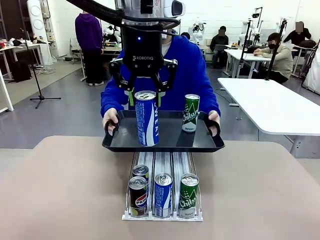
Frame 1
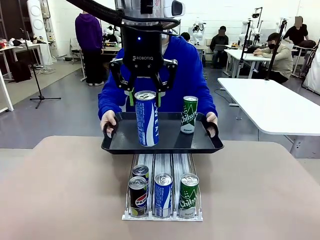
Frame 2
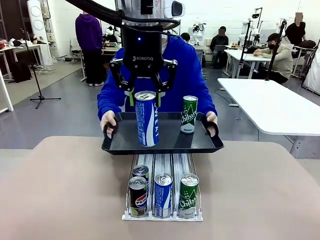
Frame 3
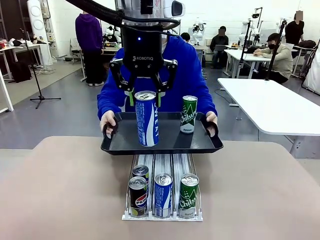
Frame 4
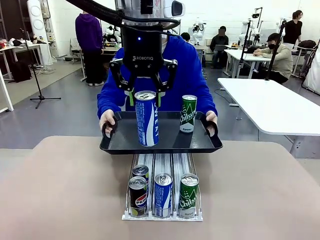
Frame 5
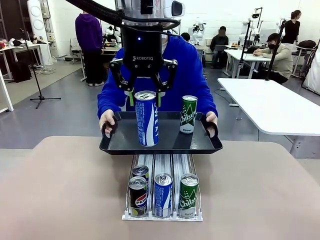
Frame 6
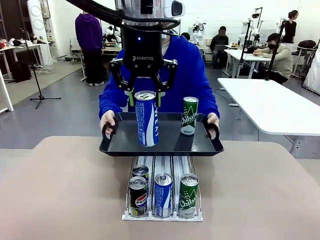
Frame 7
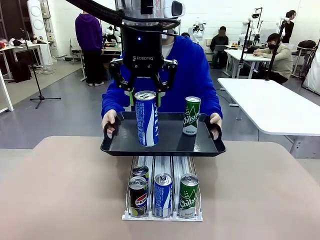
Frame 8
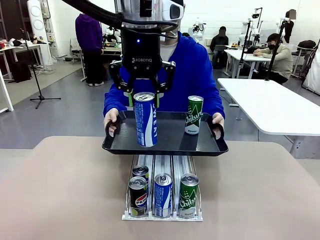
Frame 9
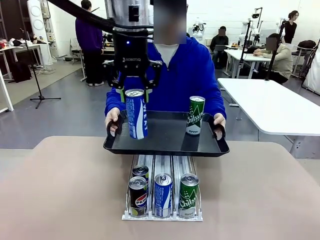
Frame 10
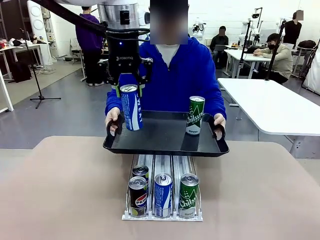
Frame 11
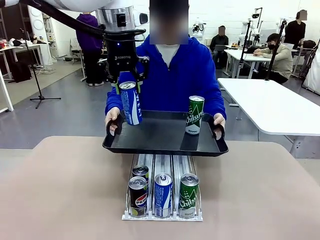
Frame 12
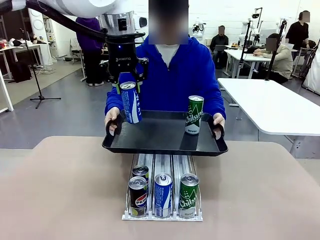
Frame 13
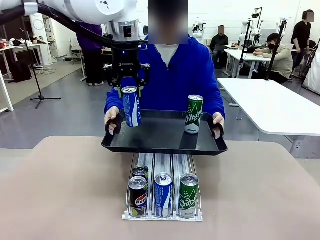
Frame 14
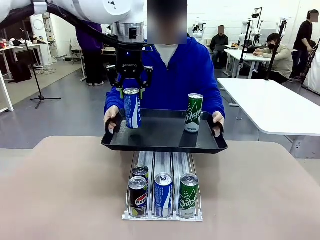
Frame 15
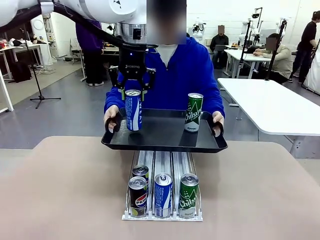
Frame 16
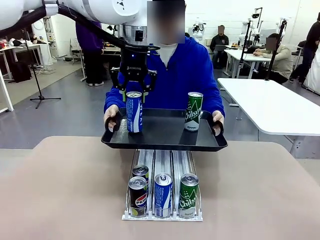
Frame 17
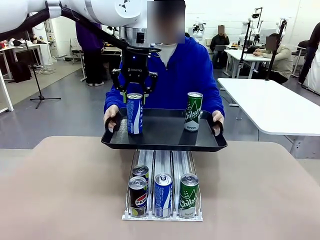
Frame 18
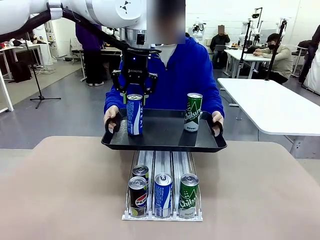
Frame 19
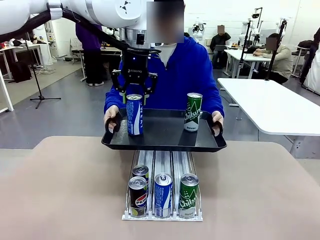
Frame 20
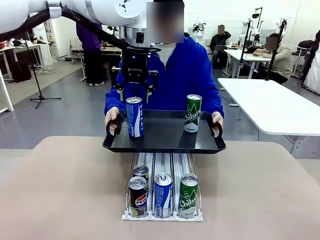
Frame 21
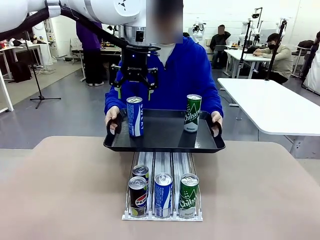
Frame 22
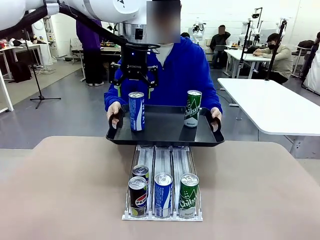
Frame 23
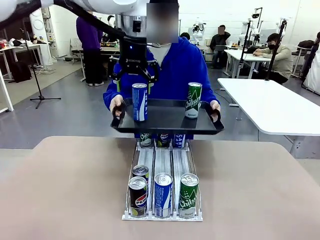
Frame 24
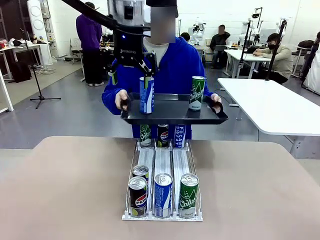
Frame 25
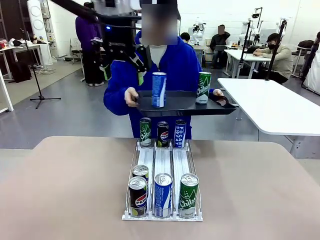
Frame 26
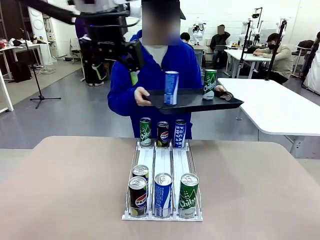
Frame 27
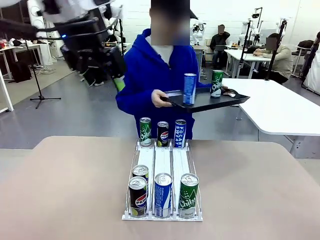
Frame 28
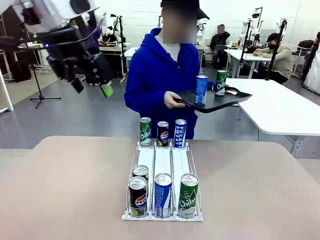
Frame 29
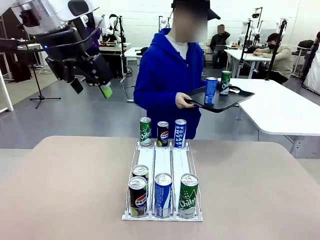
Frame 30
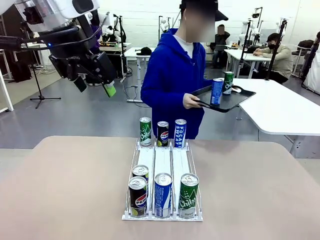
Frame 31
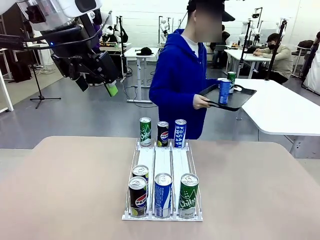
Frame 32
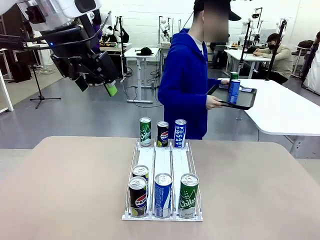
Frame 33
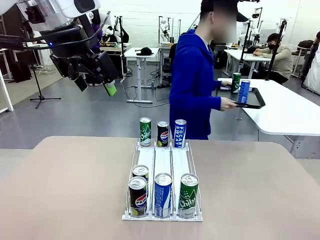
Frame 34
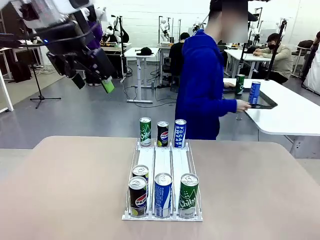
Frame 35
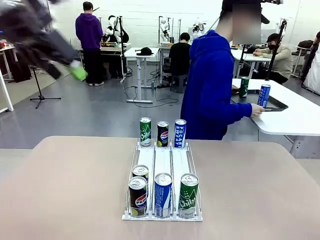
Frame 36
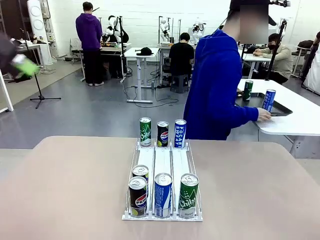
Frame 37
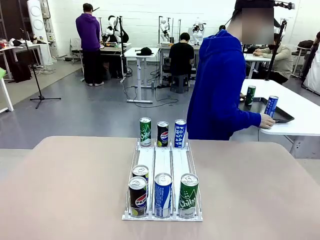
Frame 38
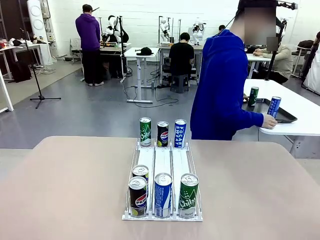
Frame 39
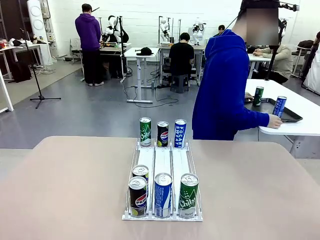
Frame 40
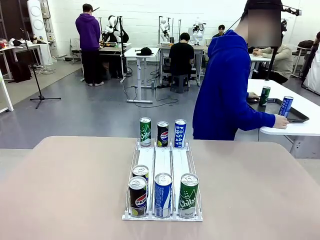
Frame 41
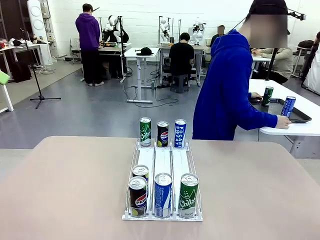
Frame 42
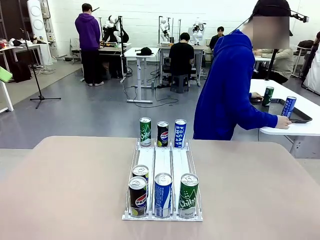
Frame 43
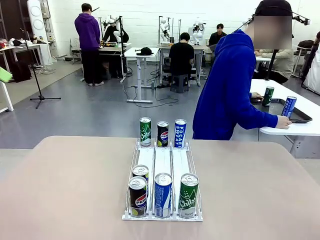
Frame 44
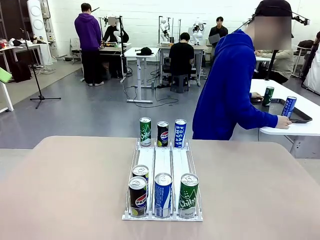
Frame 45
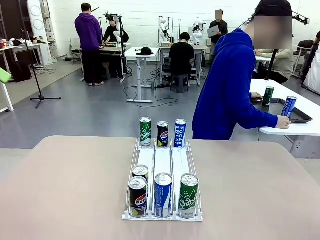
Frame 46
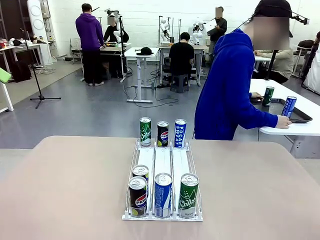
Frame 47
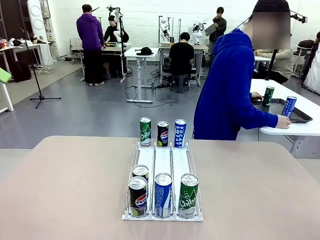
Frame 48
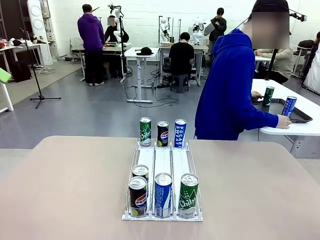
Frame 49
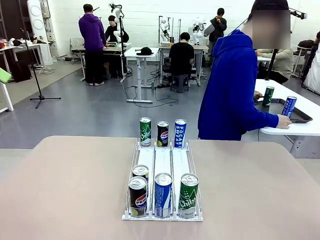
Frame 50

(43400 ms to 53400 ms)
Task: Retrieve and hand over the desired beverage to the person.
Robot: Place the picked can on the Handle tray extended by the person.
Person: Pull the tray back and place it at the center of the human table.

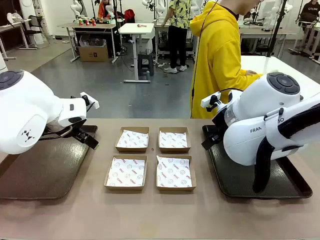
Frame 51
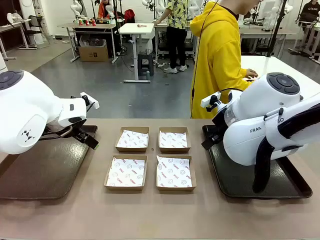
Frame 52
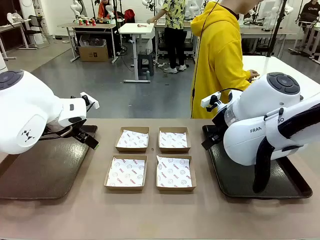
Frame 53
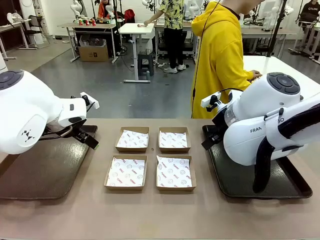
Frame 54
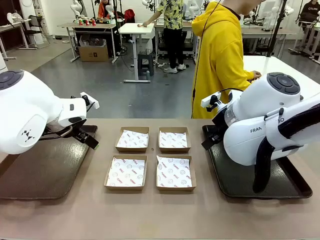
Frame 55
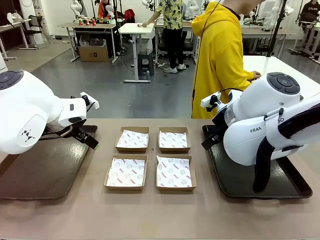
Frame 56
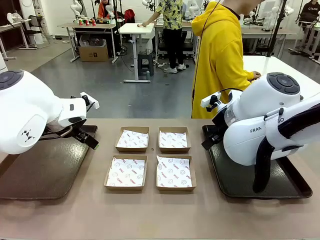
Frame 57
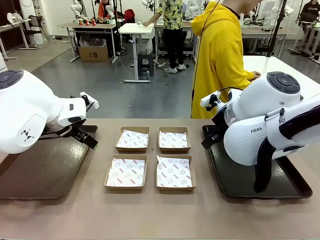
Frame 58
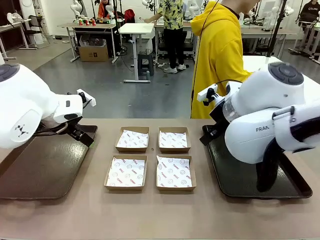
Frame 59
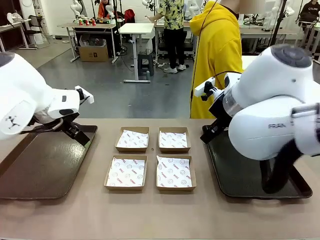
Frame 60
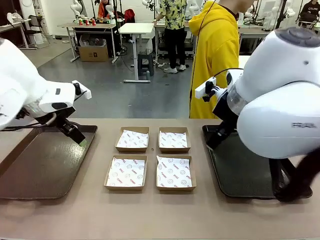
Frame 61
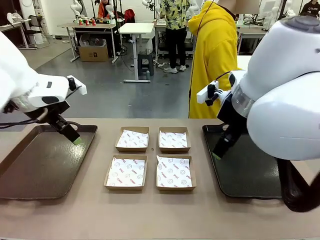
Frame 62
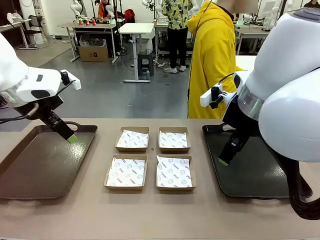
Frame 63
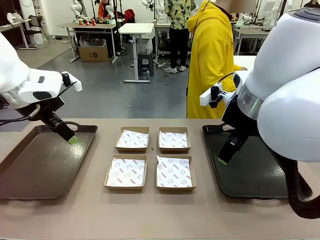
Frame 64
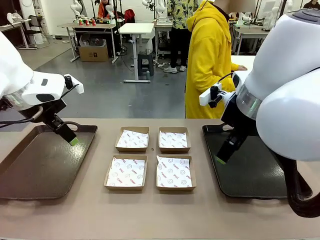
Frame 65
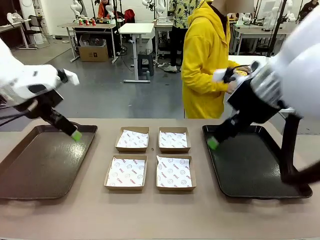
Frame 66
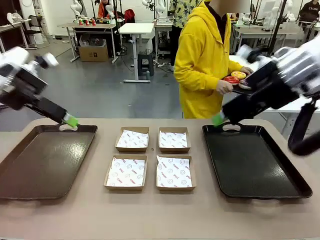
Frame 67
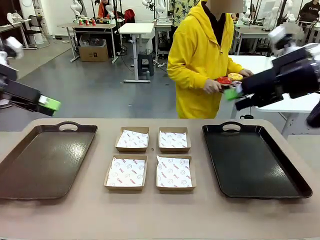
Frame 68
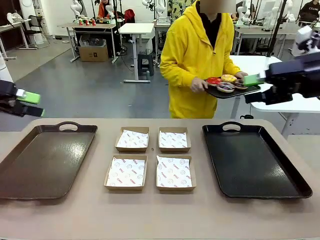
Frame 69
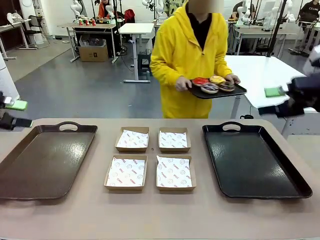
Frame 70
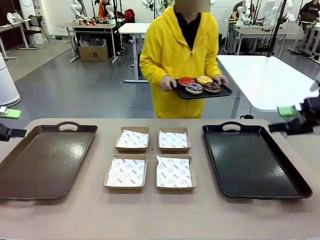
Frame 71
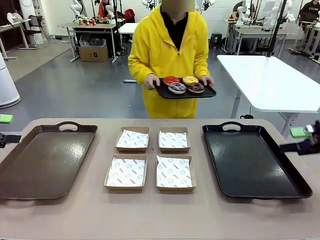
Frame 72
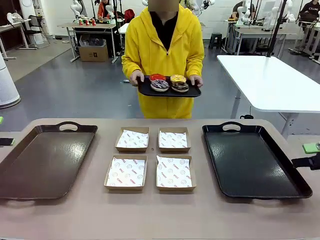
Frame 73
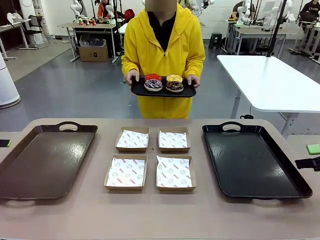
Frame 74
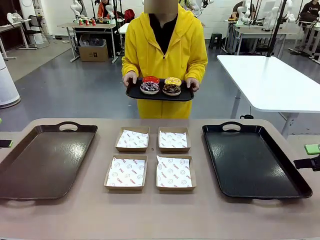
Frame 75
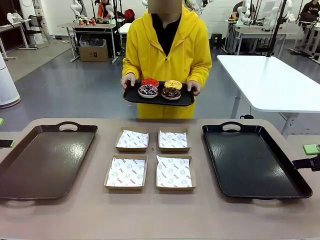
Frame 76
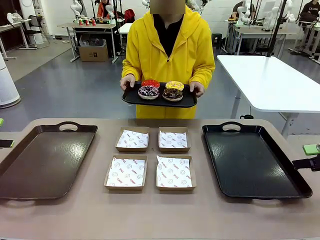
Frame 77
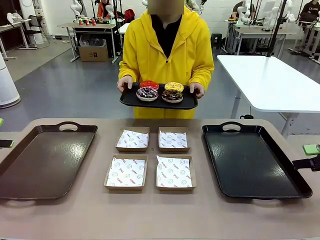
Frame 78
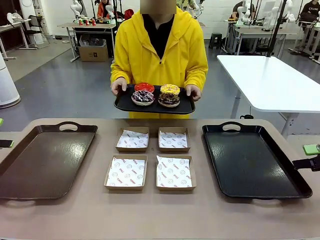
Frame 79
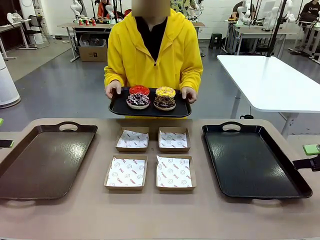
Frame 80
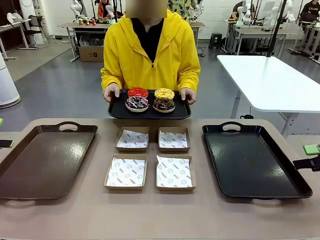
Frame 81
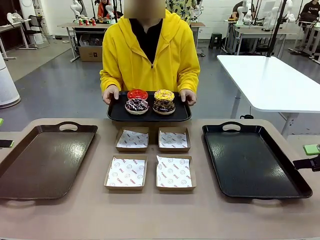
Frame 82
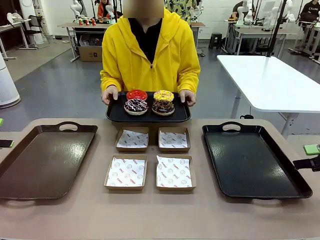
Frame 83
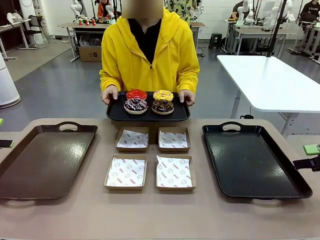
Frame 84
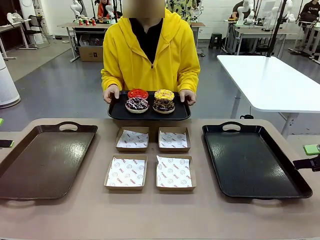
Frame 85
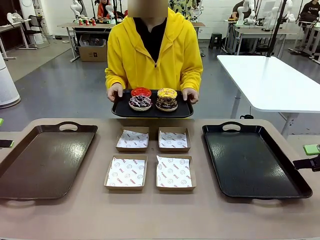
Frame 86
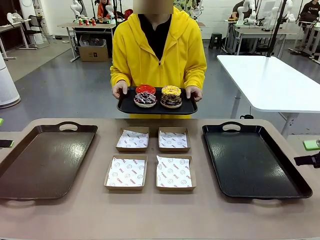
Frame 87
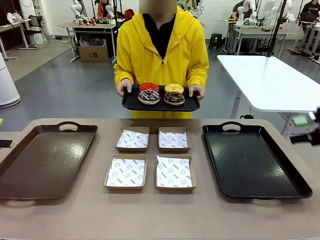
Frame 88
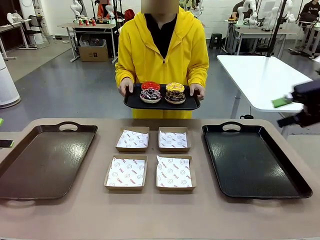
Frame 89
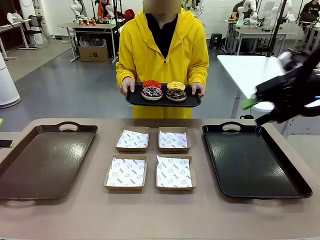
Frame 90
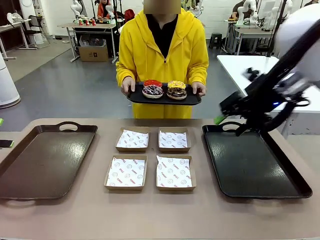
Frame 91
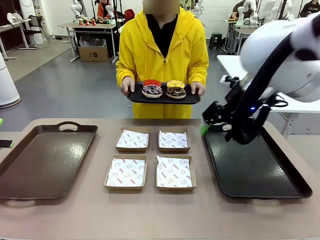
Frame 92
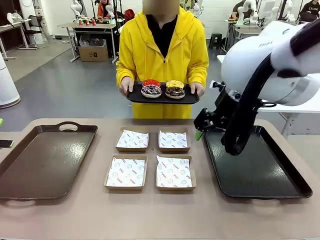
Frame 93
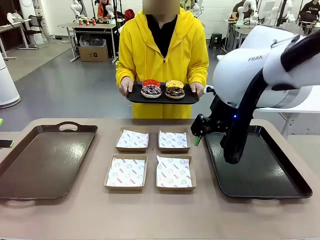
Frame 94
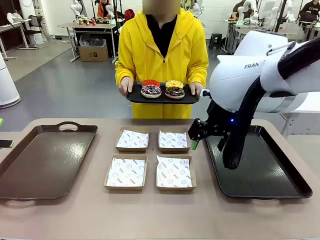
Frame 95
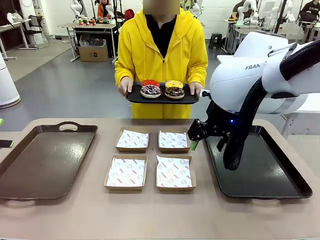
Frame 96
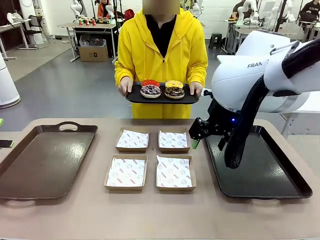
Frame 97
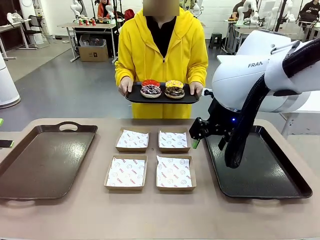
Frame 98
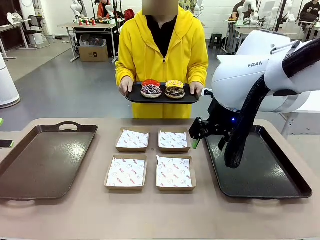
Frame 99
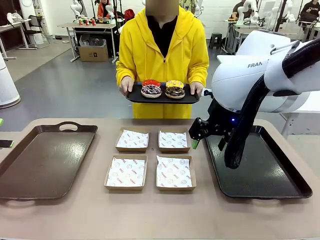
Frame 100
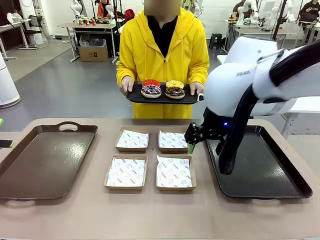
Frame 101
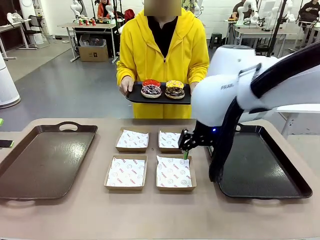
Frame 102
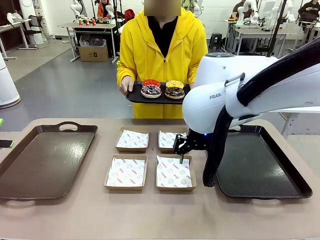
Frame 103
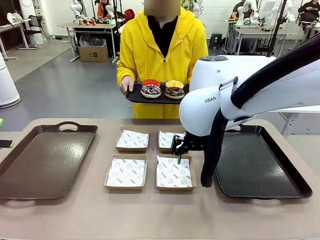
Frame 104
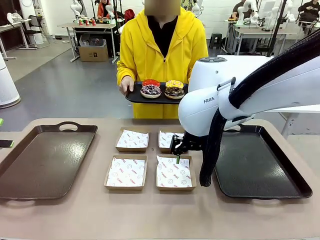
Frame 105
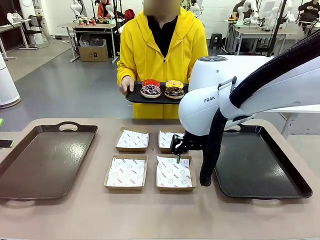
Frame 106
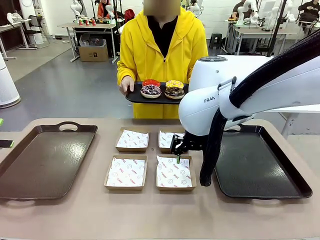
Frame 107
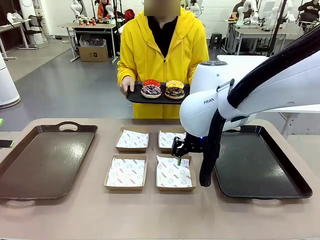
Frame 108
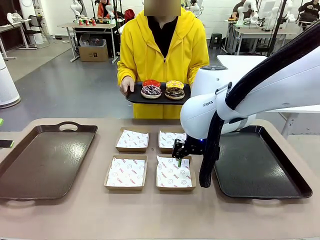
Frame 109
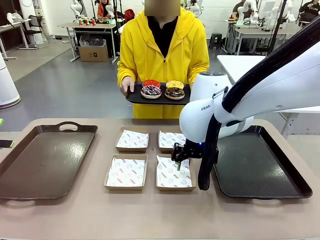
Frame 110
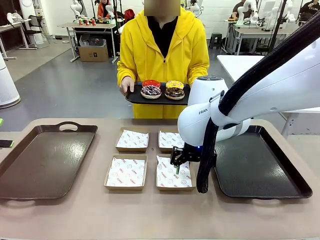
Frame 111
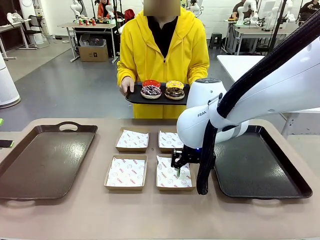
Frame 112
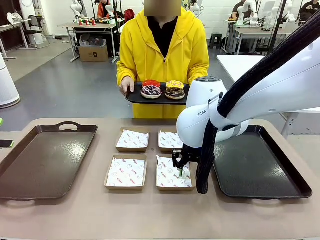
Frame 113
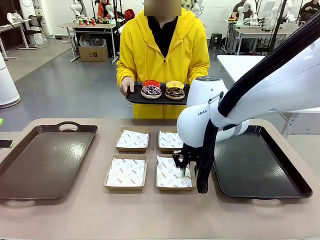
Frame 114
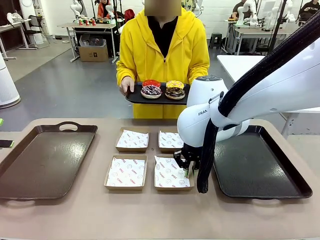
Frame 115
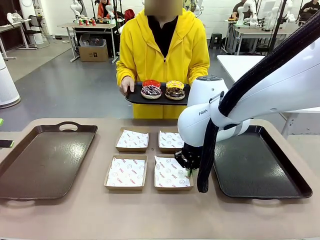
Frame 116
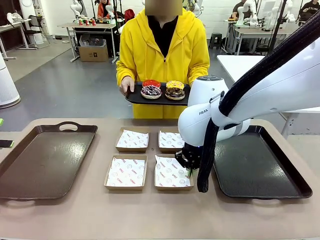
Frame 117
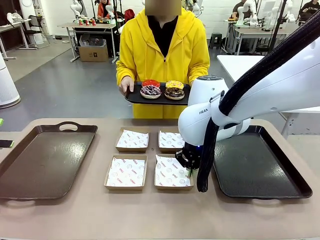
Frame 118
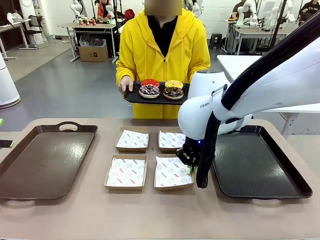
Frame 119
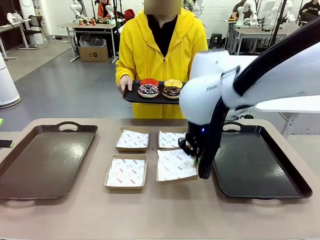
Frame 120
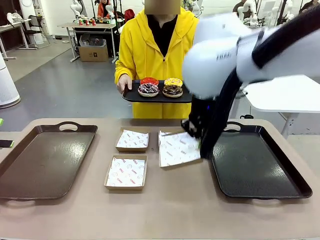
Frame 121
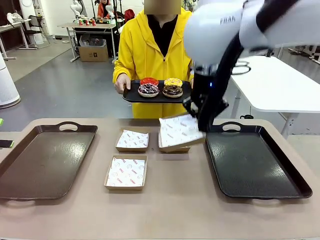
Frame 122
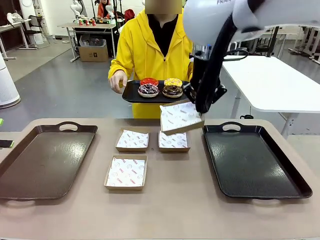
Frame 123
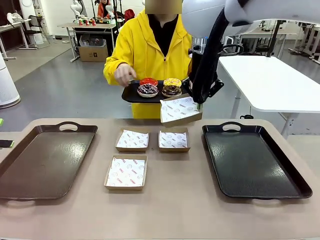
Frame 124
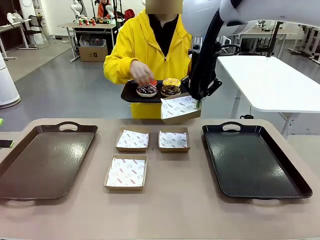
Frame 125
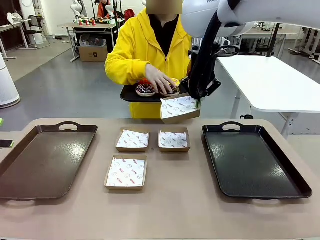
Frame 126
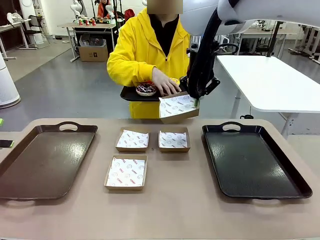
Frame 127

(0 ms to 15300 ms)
Task: Individually package the donuts and arrange them on the tray.
Robot: Pick up one Paper togo box.
Person: Stand in front of the robot table holding the tray containing the donuts.
